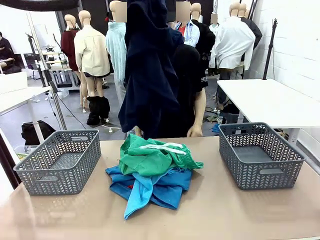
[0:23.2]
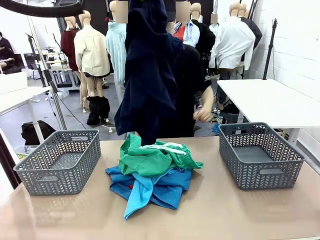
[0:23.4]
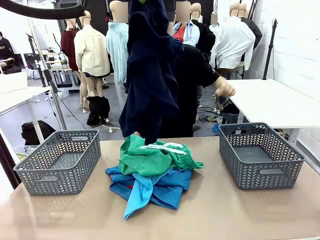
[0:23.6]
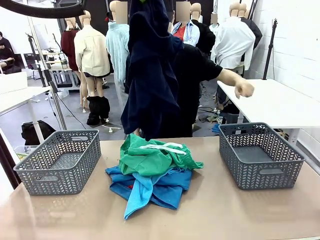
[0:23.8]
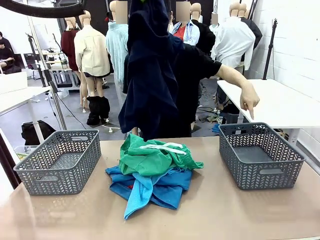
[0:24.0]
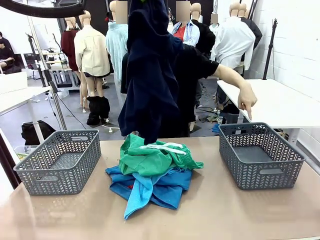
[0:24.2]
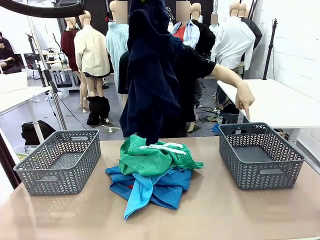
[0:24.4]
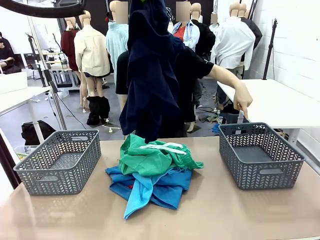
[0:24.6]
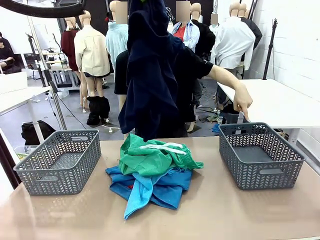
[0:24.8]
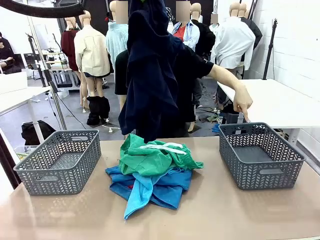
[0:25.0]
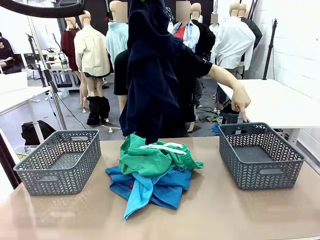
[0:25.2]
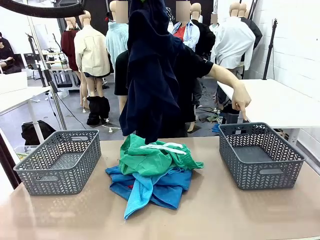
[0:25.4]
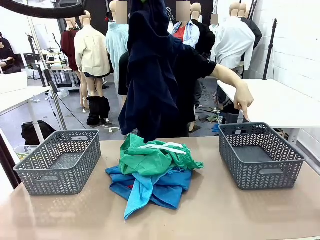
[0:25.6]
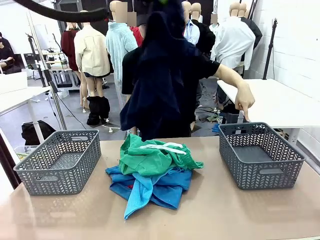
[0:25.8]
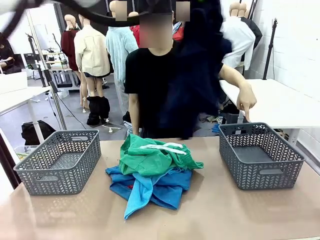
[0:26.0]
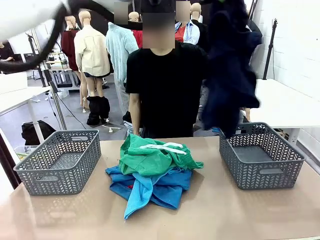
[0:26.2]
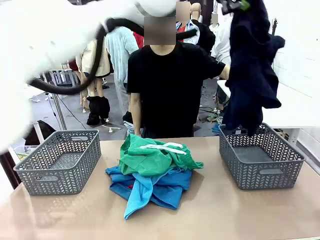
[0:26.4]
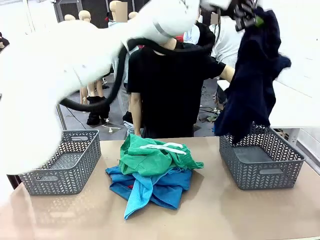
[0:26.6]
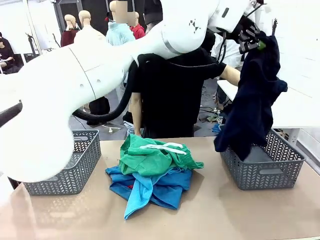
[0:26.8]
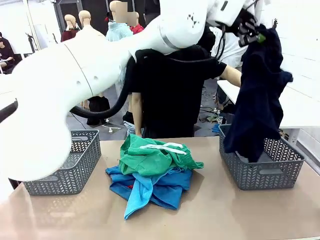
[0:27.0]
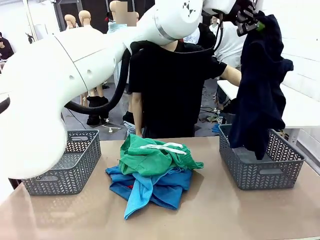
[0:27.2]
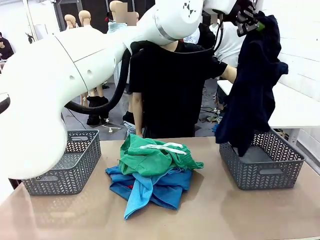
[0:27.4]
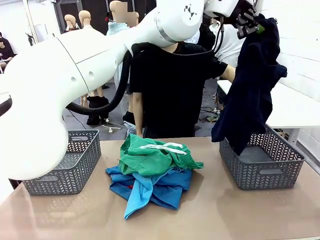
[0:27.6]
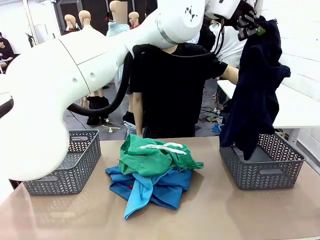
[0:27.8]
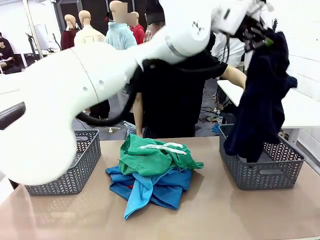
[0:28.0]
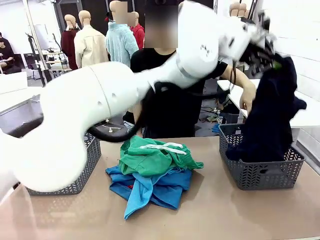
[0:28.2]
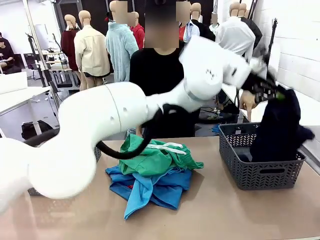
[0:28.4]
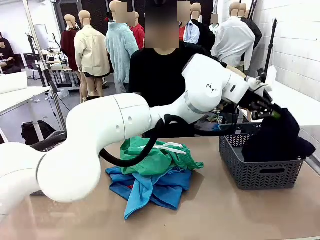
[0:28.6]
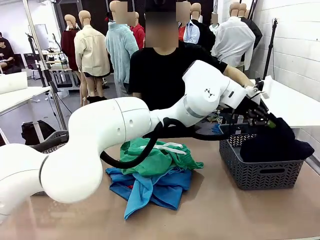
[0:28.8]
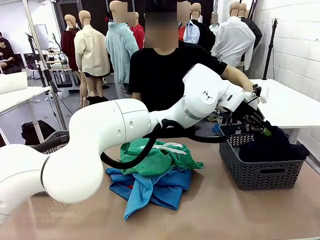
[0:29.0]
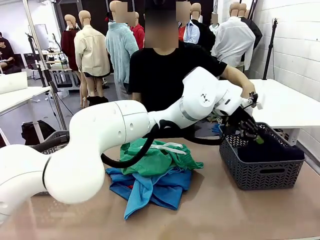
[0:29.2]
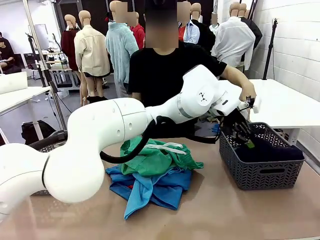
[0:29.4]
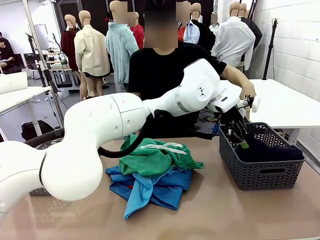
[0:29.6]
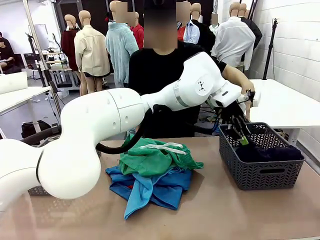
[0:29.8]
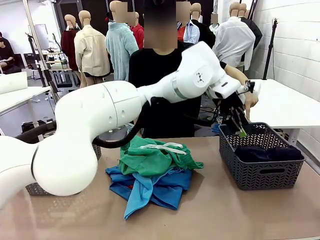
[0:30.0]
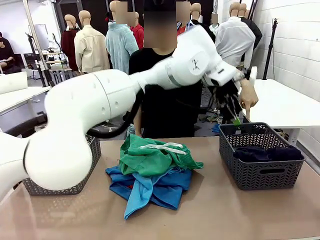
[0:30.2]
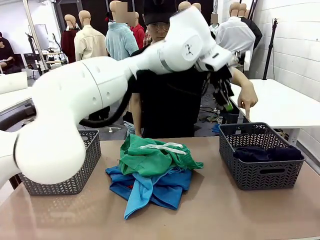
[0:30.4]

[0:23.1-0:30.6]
Task: Sort the tops and bottoms.
Robot: Sort the clothes according to human instructions.

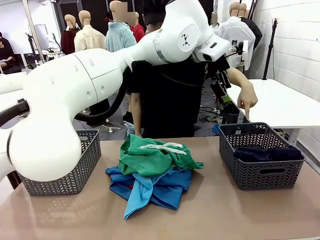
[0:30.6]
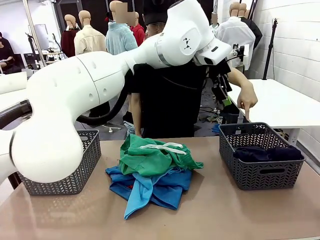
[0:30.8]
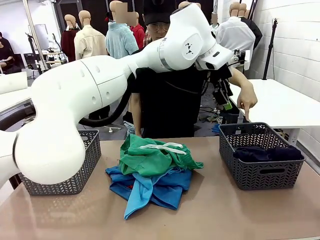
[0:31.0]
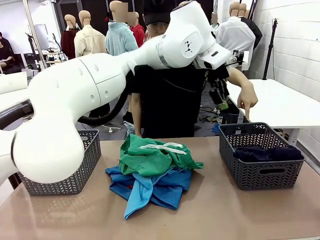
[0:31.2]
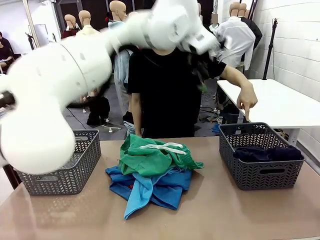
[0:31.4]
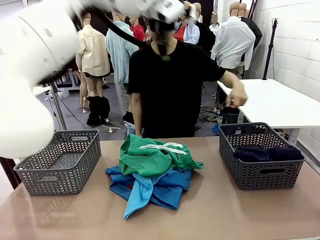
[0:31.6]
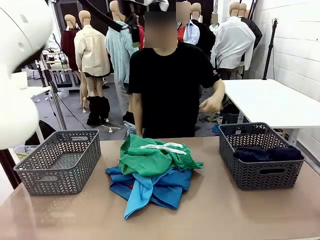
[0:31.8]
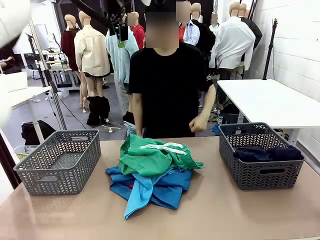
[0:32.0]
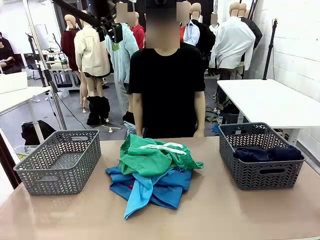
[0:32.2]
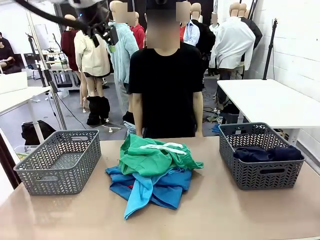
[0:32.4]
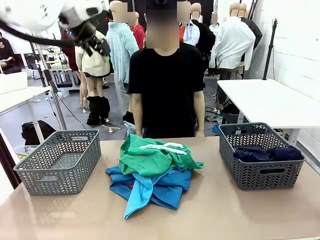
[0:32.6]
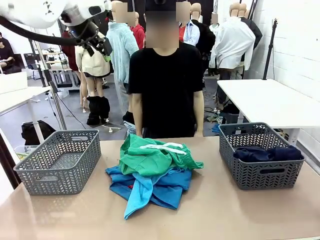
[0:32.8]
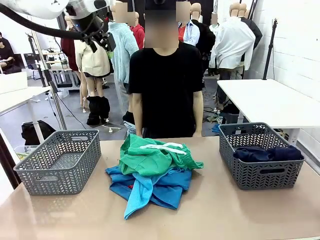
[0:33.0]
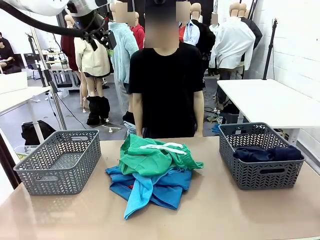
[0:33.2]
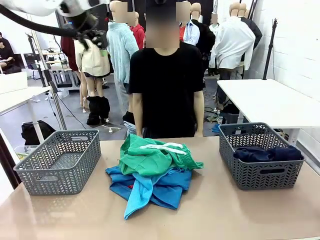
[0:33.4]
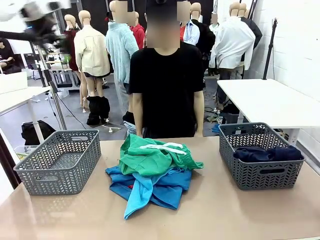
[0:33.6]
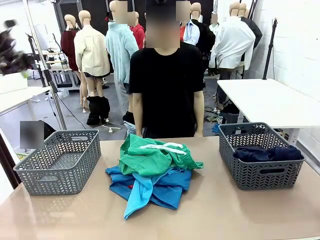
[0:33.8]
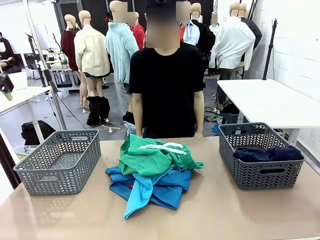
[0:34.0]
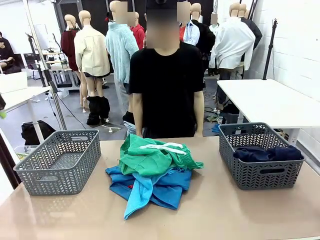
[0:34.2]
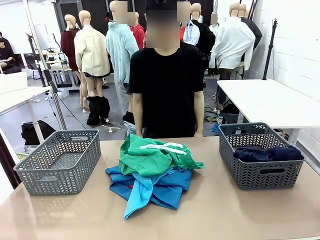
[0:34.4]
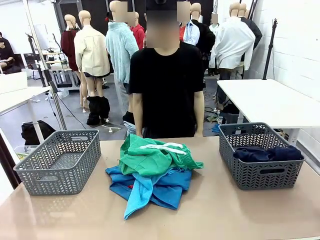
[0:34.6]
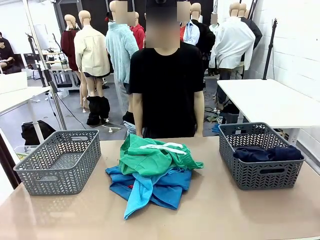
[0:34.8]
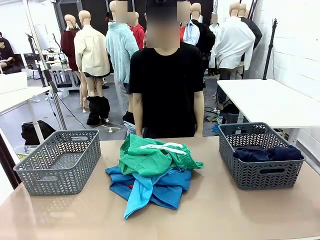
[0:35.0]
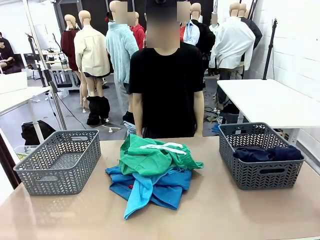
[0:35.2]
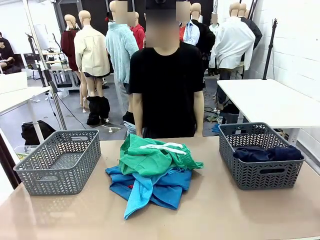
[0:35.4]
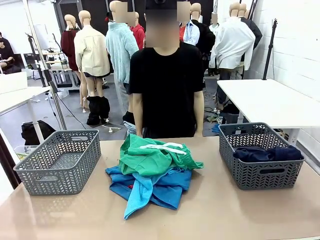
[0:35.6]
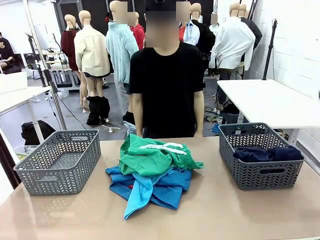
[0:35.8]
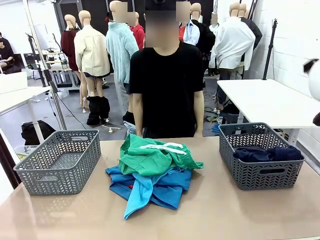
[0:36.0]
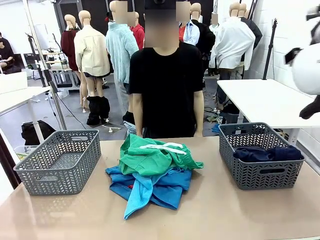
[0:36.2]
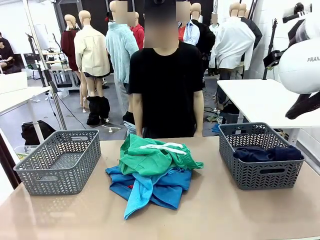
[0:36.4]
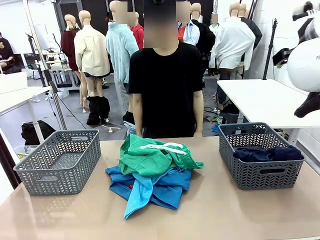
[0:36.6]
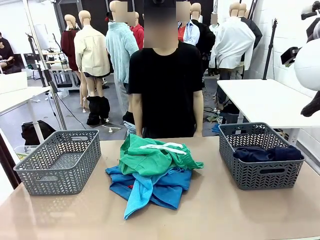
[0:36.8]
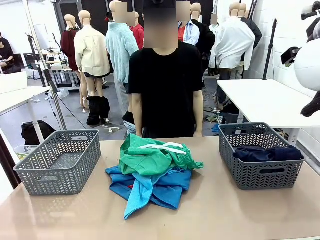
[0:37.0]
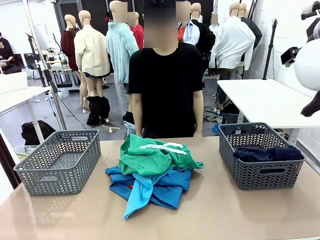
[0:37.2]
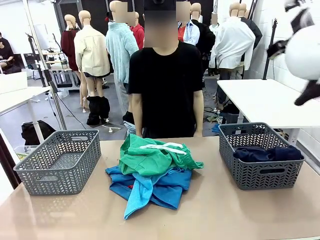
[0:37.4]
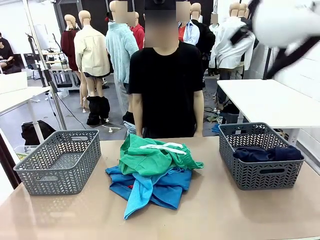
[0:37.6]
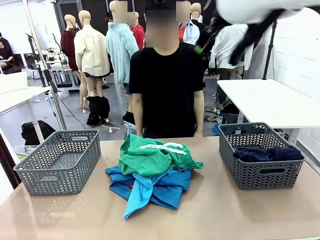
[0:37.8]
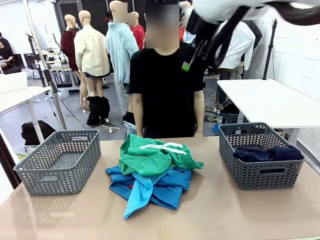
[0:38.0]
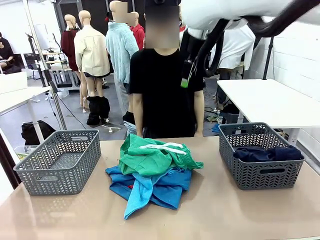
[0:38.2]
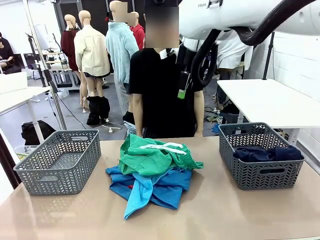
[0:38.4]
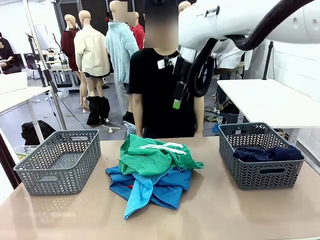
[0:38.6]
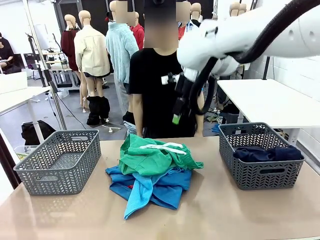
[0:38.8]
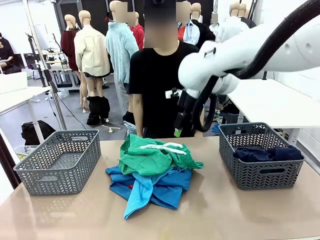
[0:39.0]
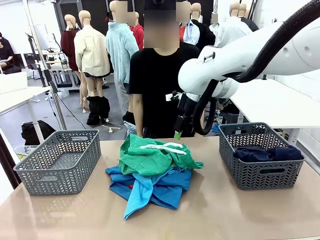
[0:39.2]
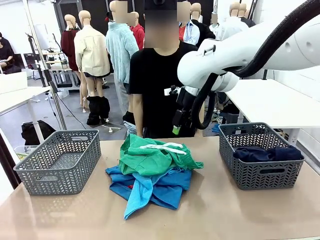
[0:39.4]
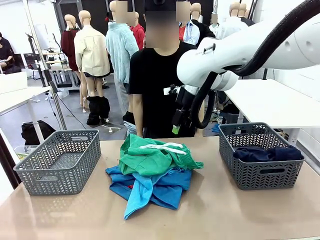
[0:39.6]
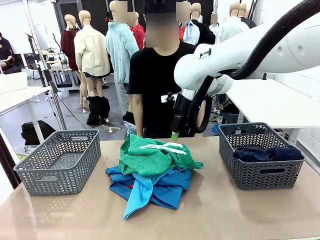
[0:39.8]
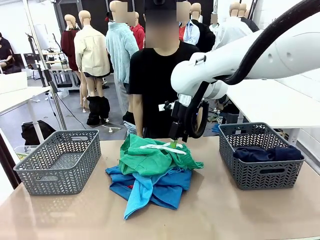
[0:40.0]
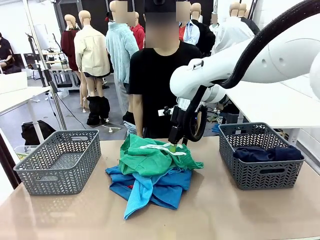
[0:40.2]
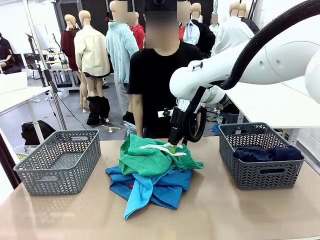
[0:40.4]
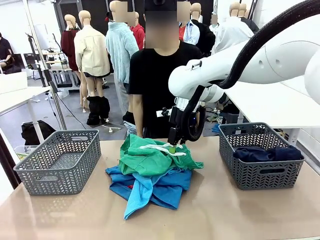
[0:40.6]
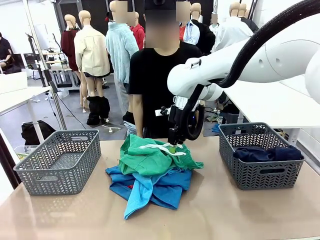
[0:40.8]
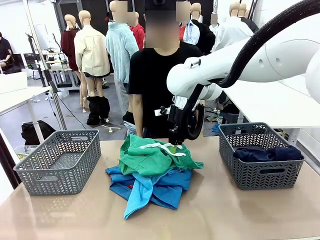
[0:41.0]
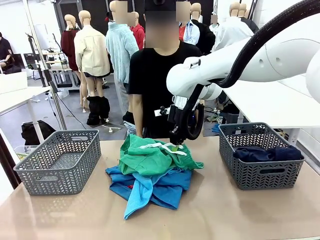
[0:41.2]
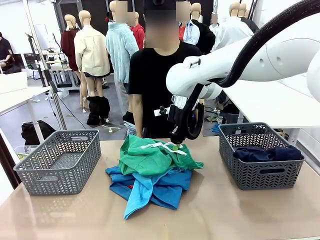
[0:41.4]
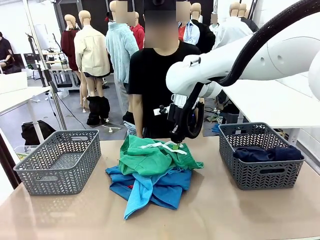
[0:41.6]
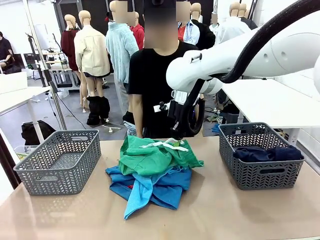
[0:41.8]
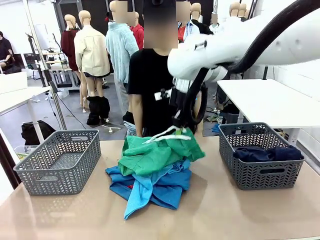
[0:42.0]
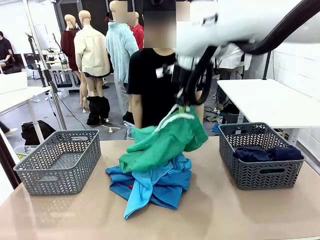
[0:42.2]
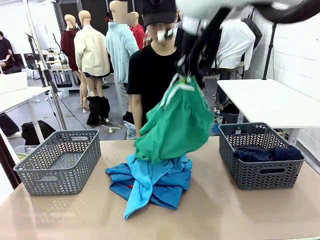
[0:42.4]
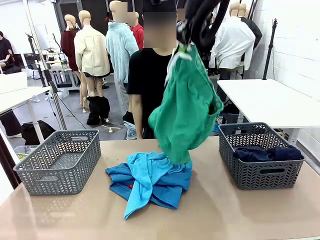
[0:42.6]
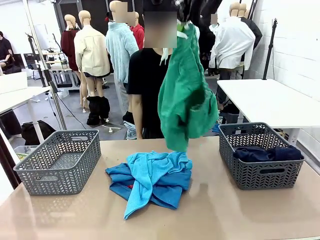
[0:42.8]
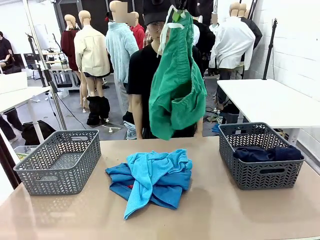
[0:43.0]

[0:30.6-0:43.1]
Robot: Lift clothes from the center of the table with your right hand.
